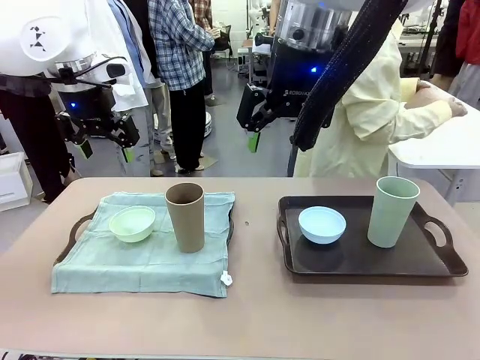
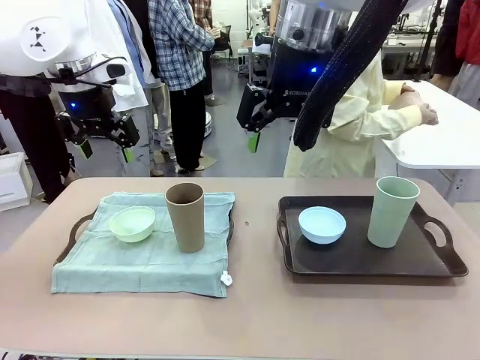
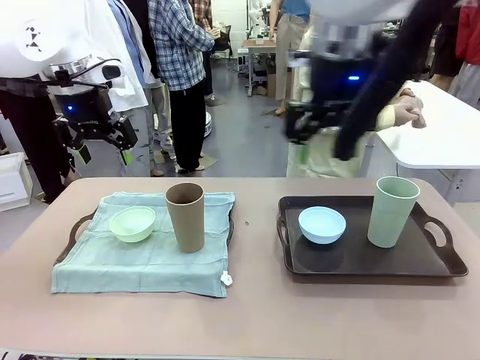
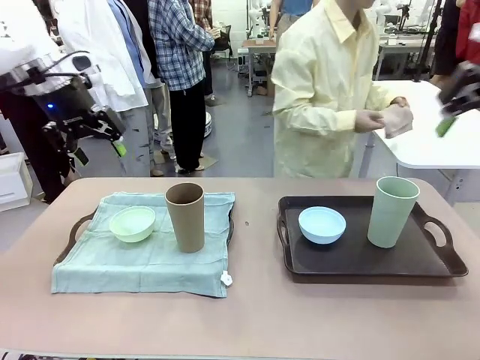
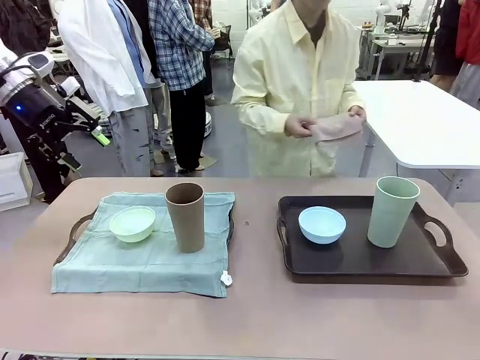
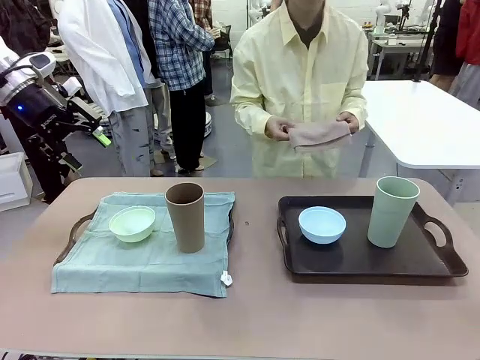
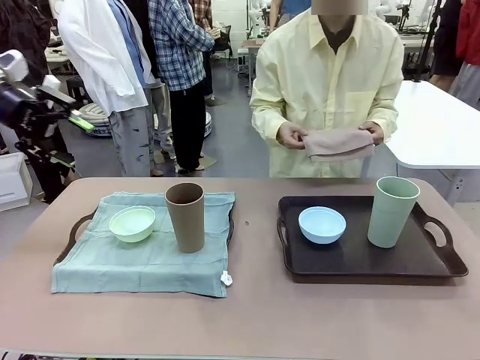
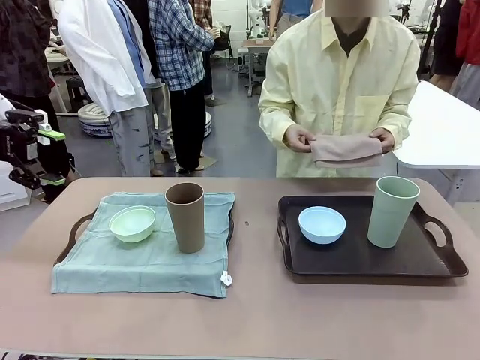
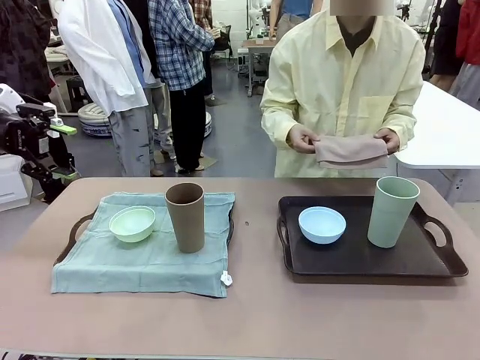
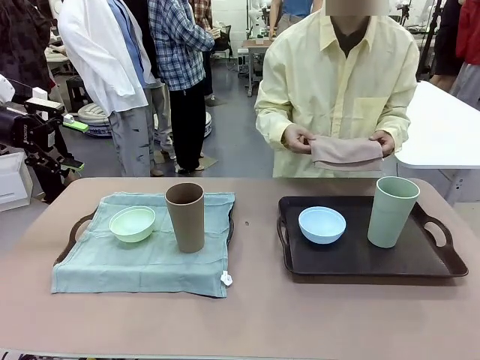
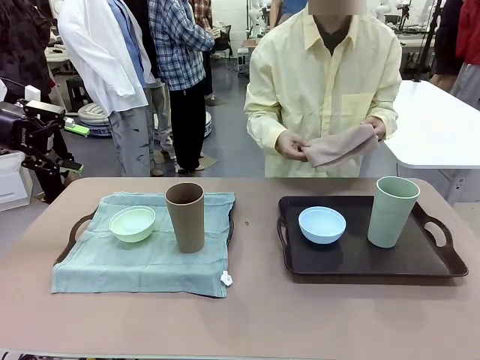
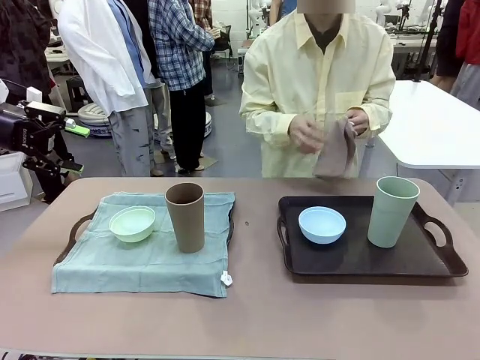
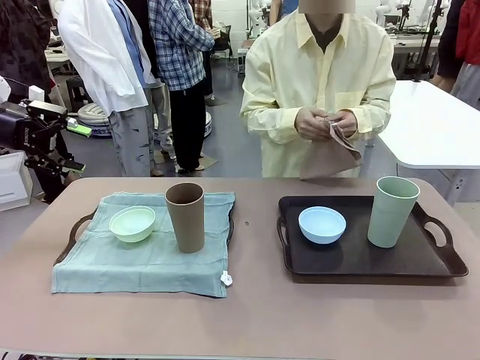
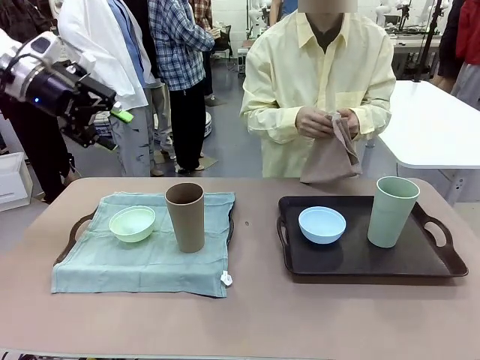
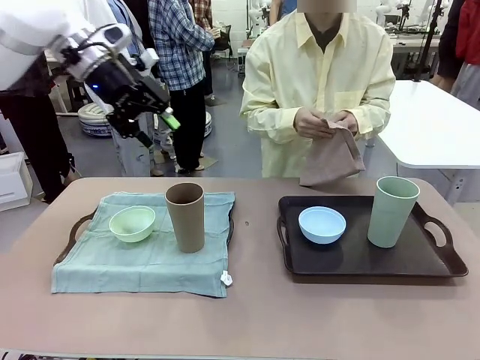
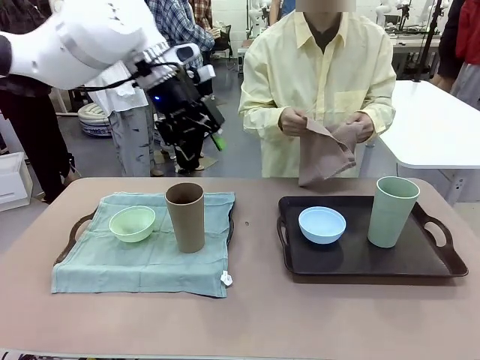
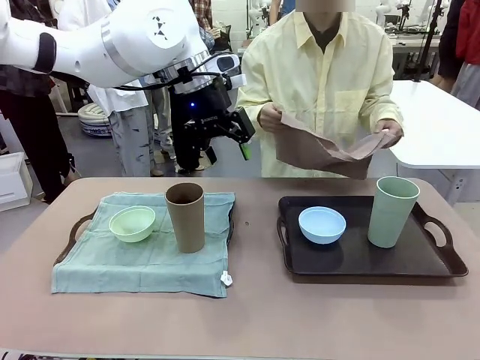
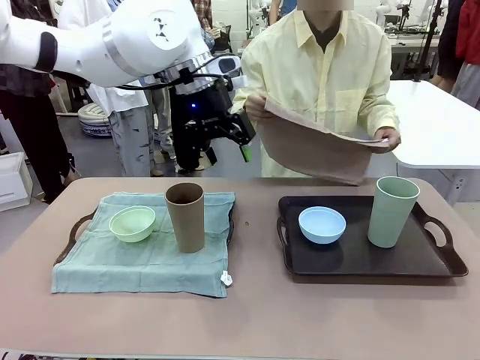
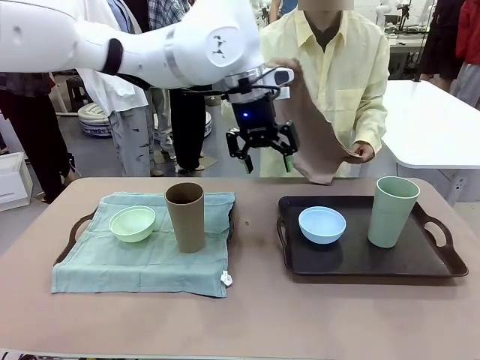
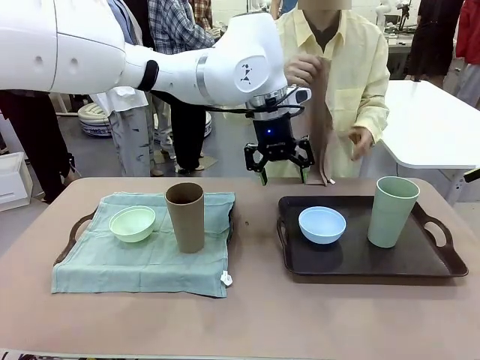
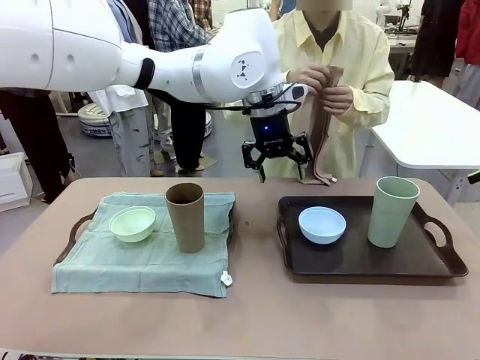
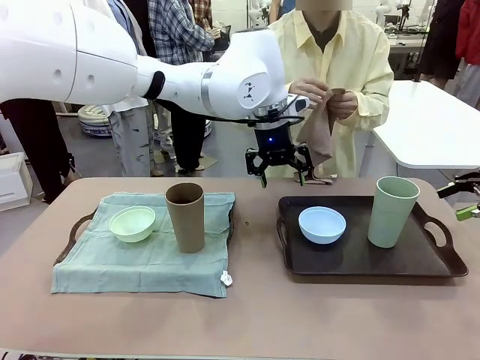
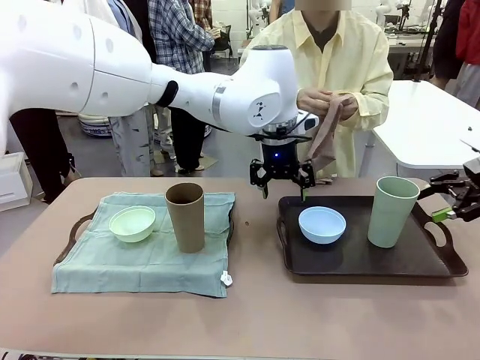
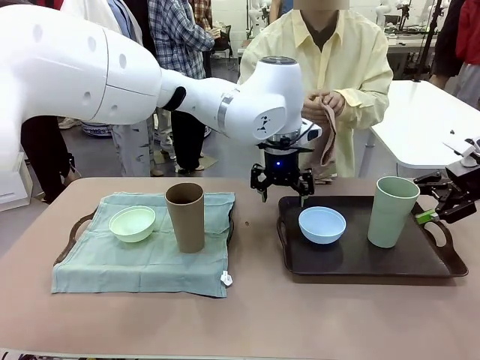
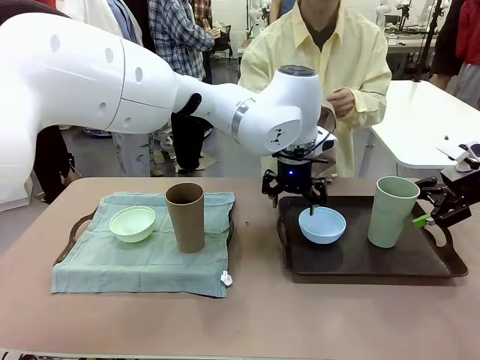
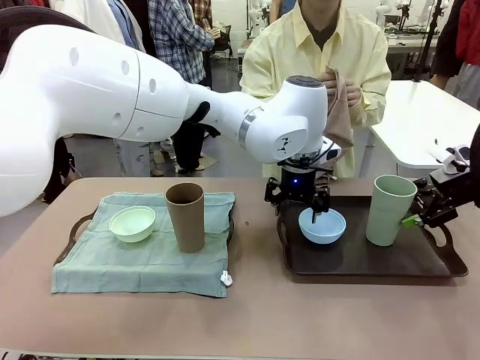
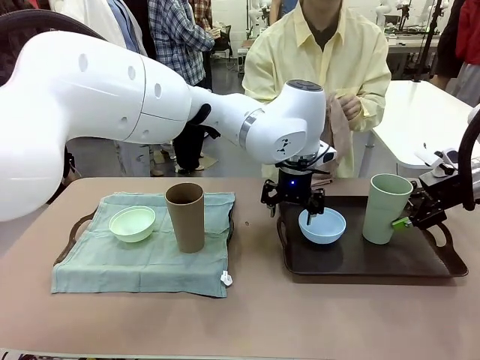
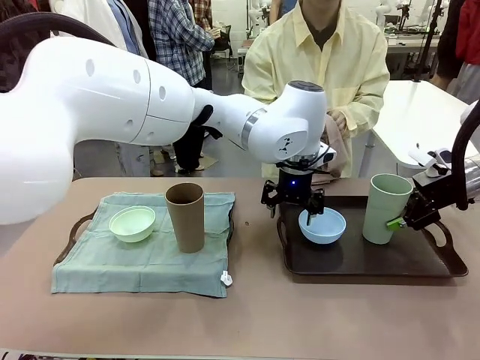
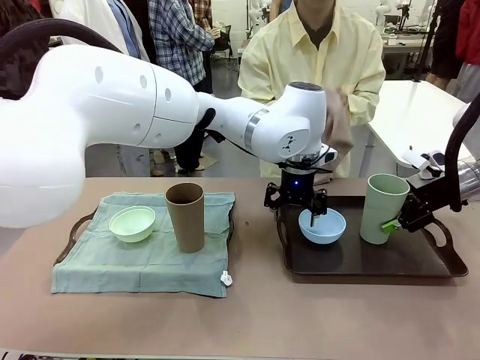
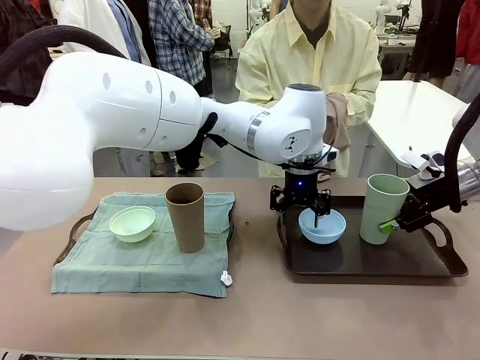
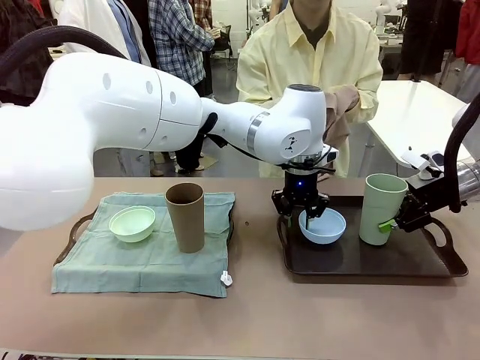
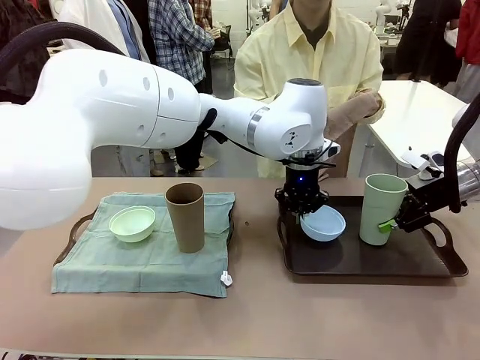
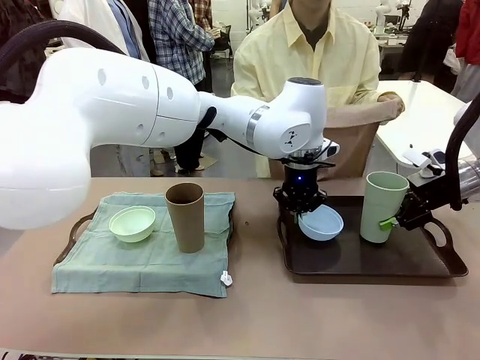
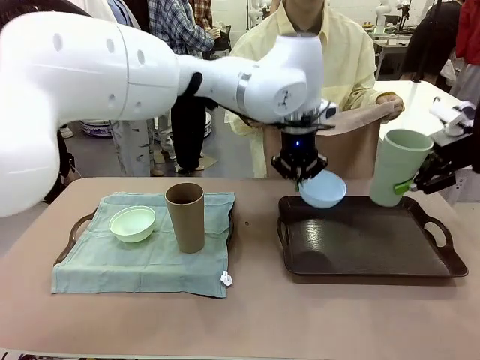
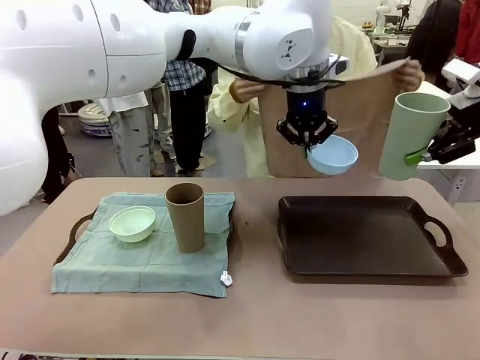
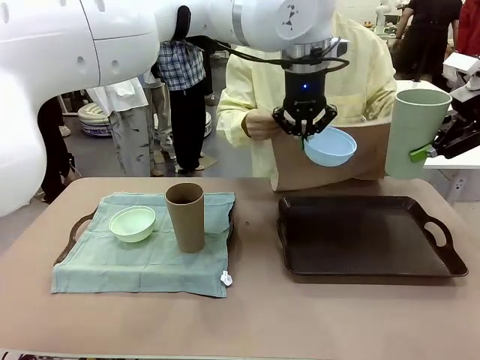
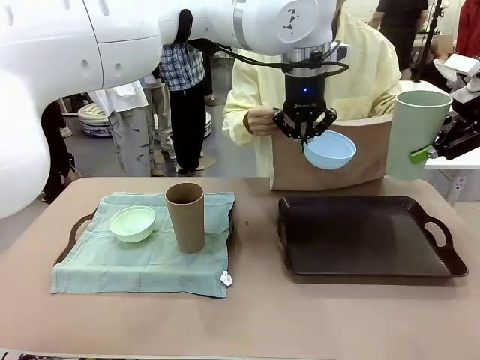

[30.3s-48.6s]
Robot: Pick up the Picnic Bowl and Reusable plastic cup from the Handle tray in front of the human's position and hold them in the air.
